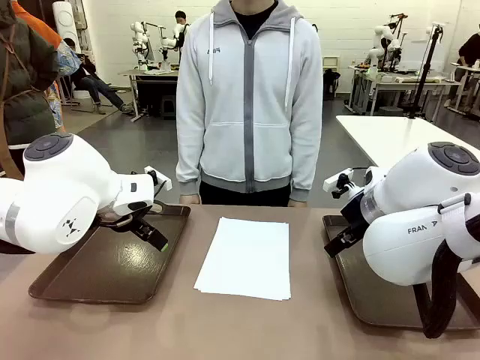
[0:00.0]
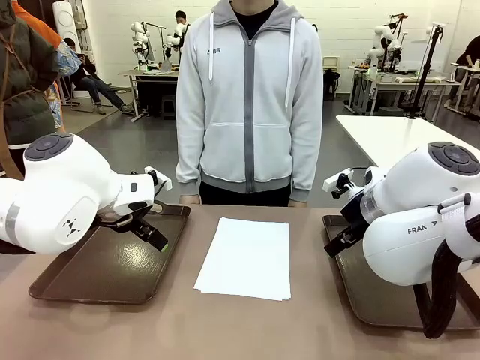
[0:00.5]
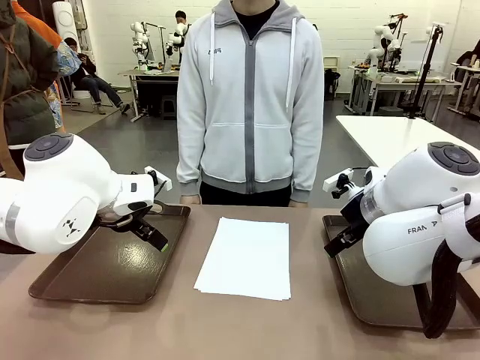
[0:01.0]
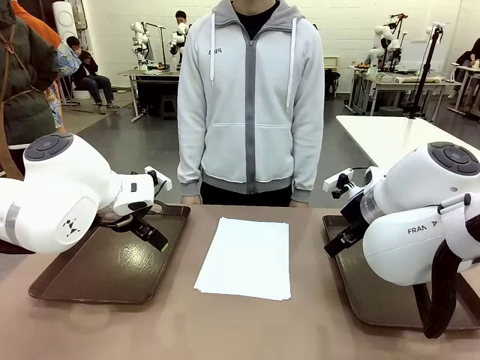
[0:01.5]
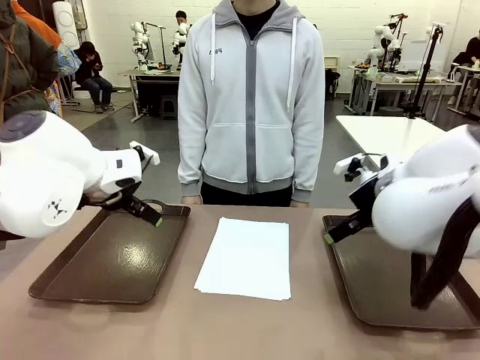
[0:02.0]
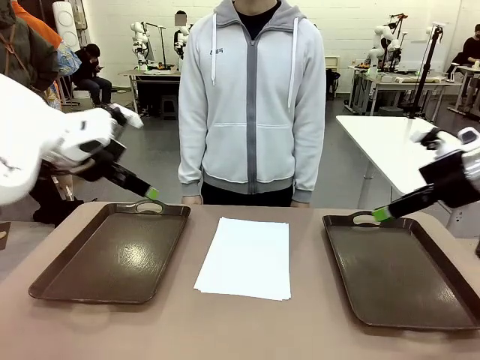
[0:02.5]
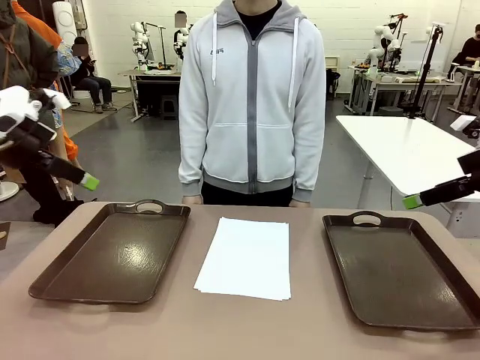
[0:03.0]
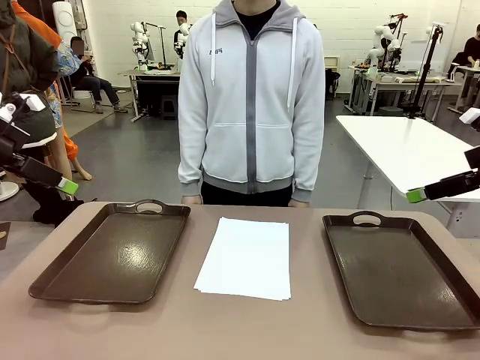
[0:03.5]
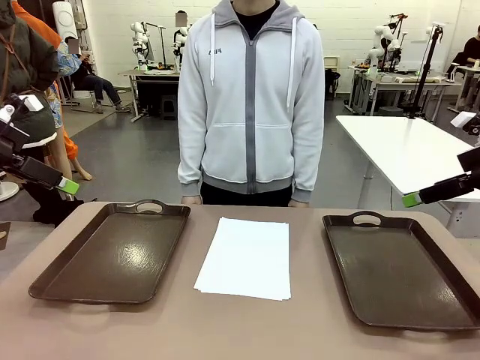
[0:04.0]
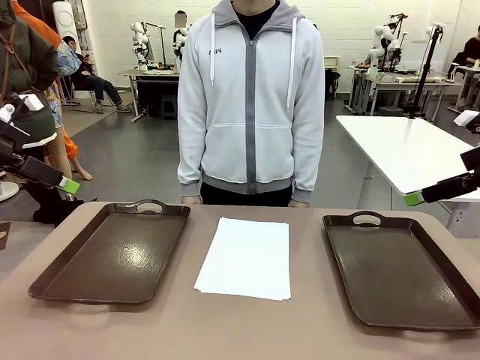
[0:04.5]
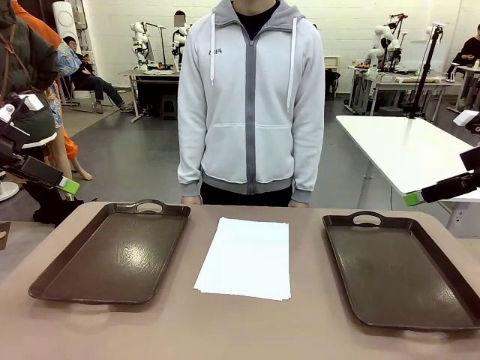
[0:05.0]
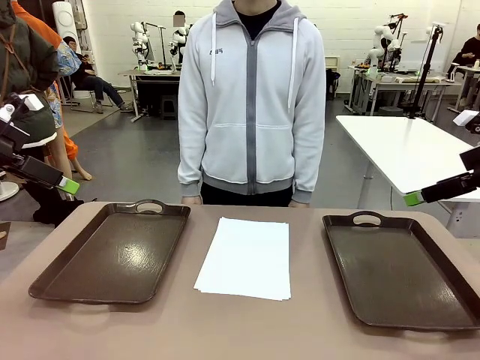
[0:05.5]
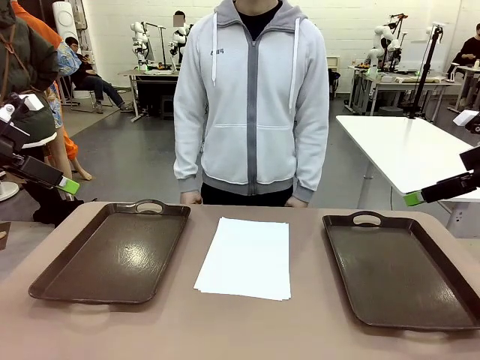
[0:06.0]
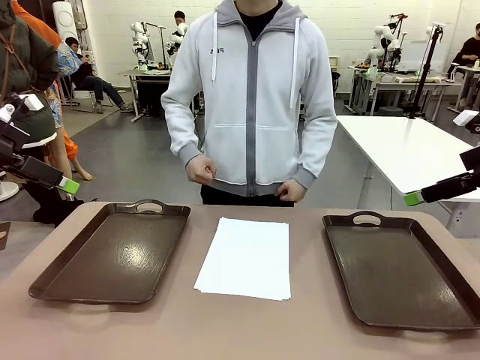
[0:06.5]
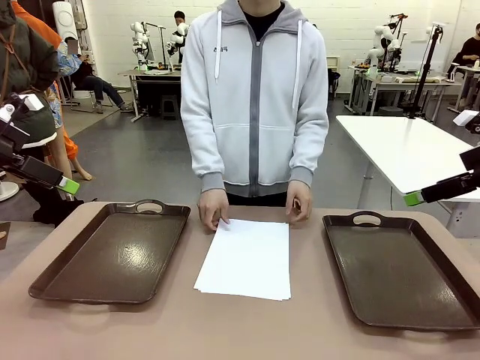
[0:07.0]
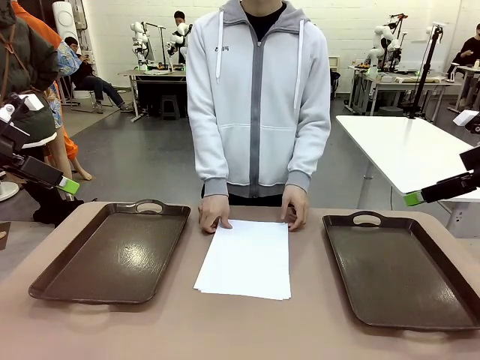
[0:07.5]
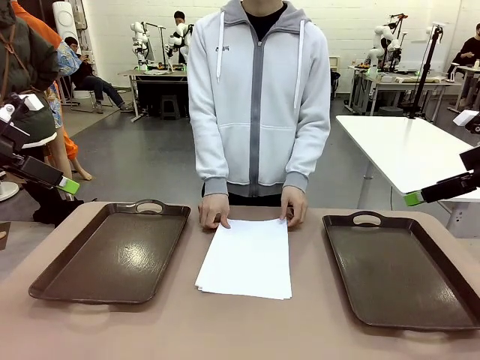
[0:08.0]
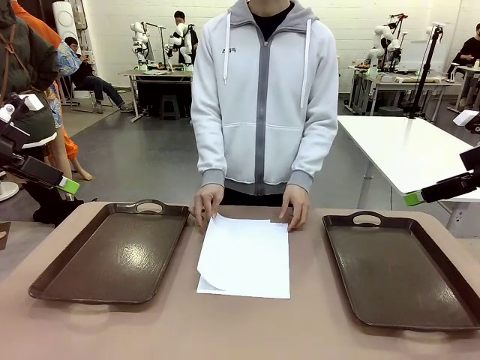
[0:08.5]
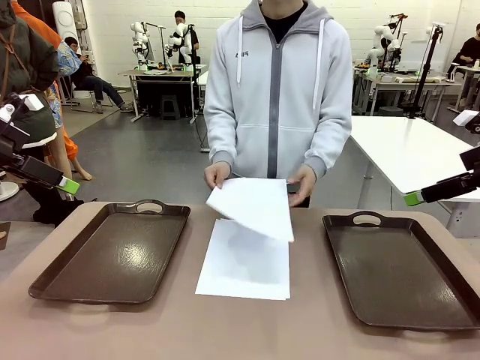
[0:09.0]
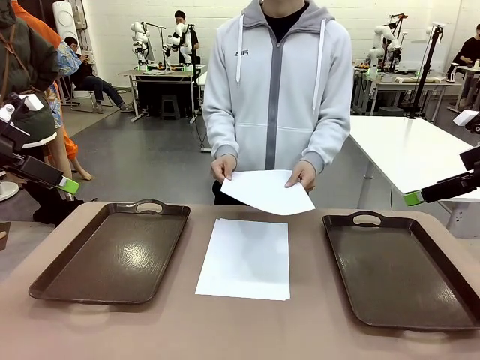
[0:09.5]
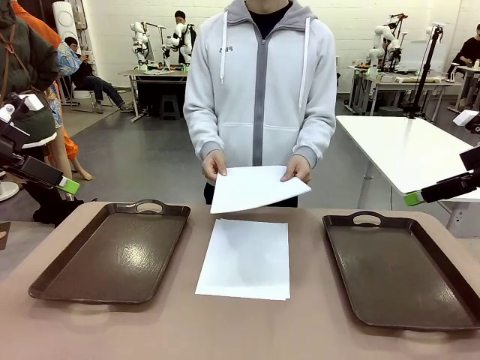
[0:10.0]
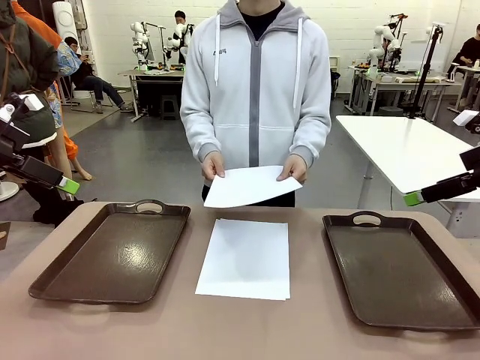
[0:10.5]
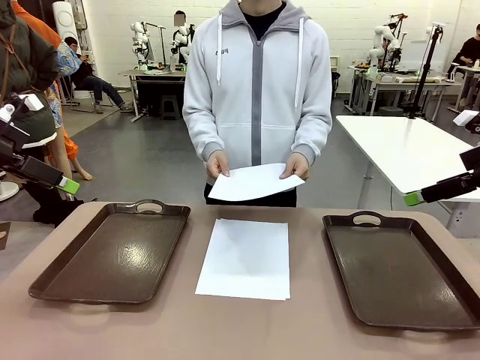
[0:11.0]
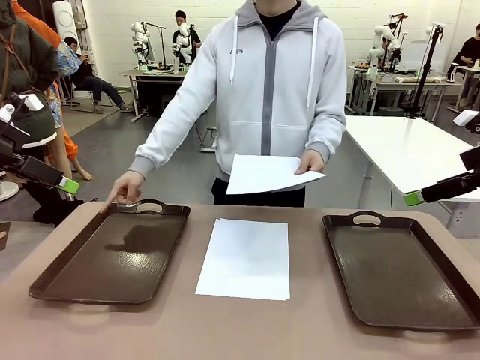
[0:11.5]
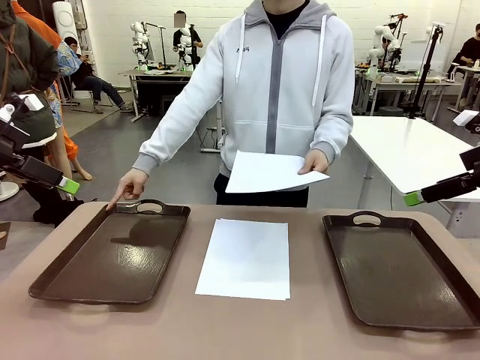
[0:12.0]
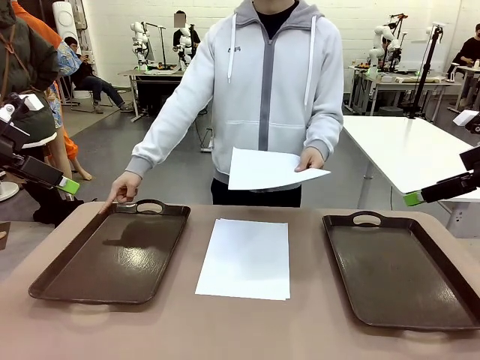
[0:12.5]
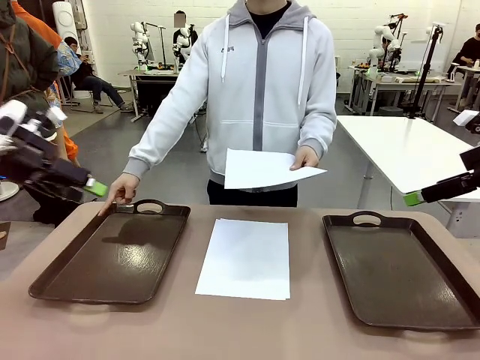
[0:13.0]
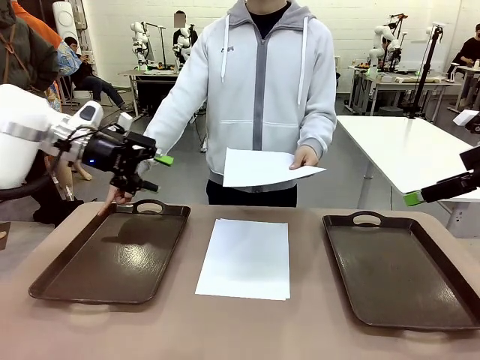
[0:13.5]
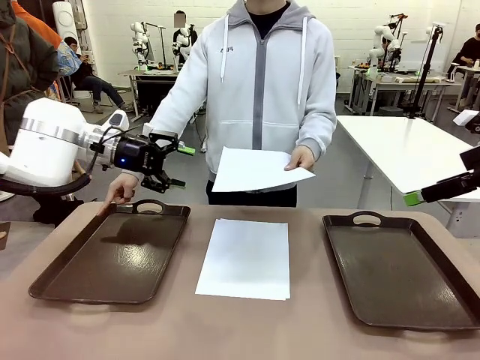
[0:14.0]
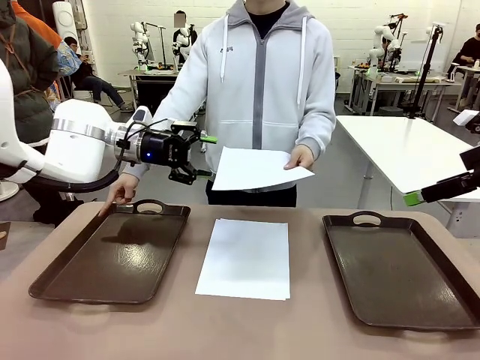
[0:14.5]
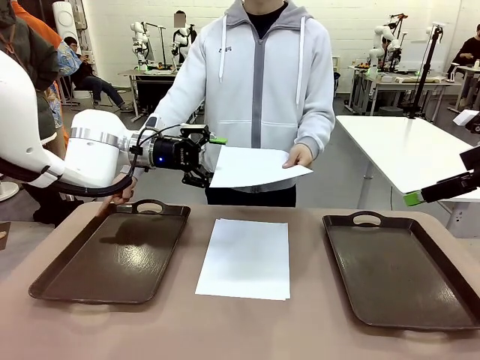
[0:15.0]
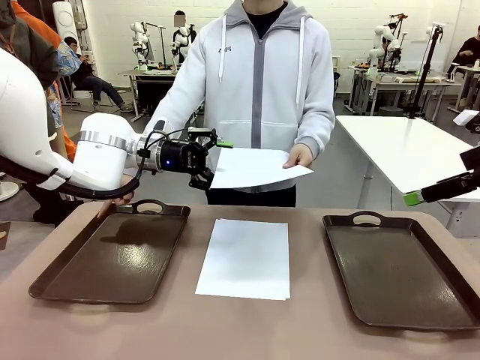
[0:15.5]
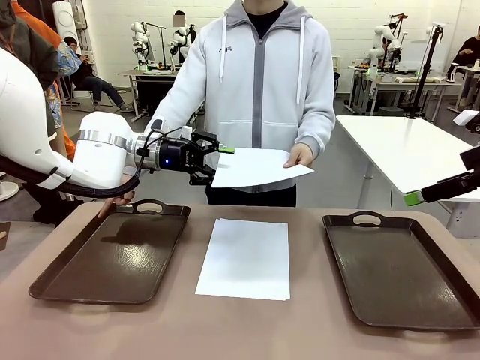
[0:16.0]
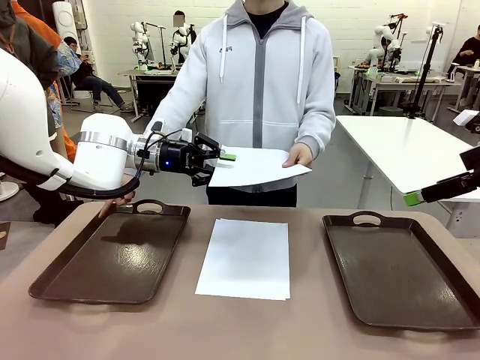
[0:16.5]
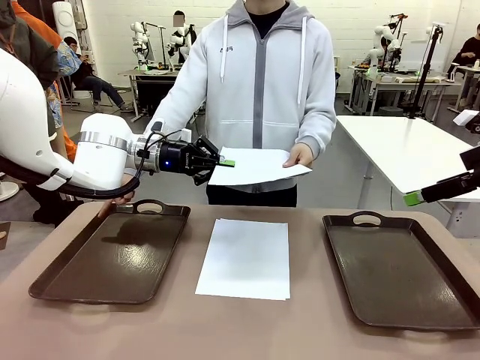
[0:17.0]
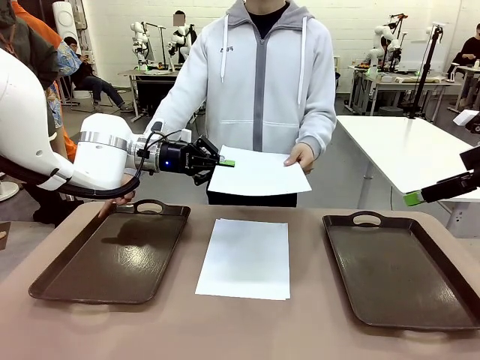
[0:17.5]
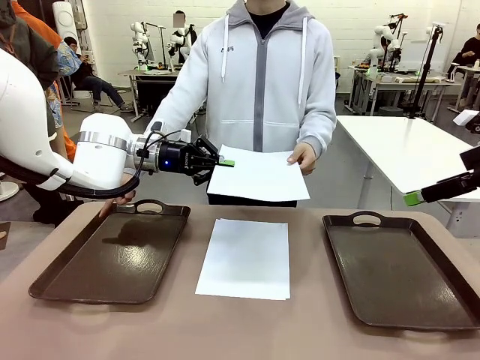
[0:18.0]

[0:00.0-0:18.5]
Task: Sort the A4 documents.
Robot: Receive the A4 Paper.
Person: Pick up a sheet of paper from the center of the table and hand it to the robot. Point the randomly selected tray with the other hand.

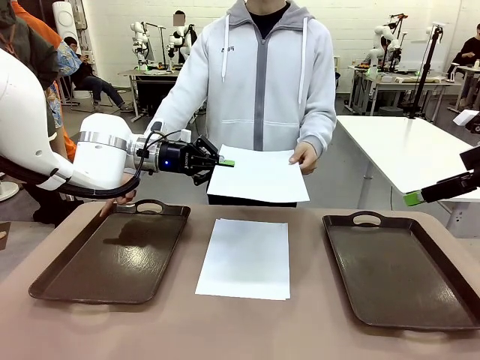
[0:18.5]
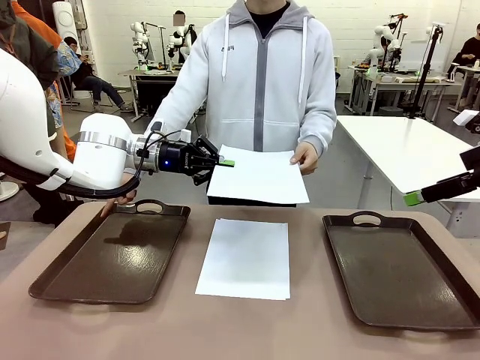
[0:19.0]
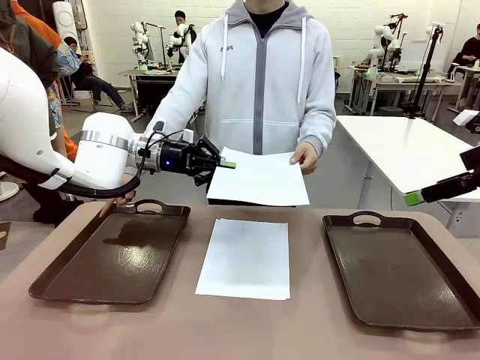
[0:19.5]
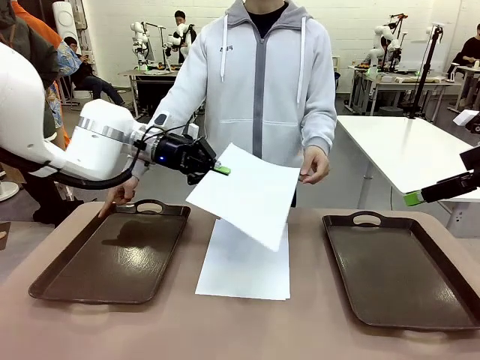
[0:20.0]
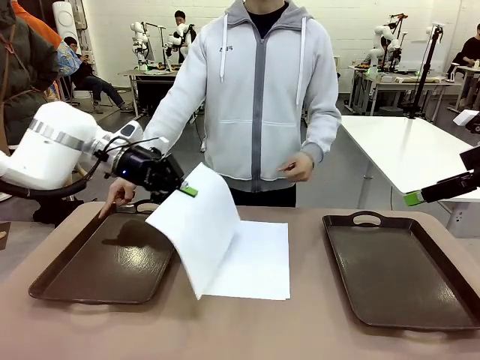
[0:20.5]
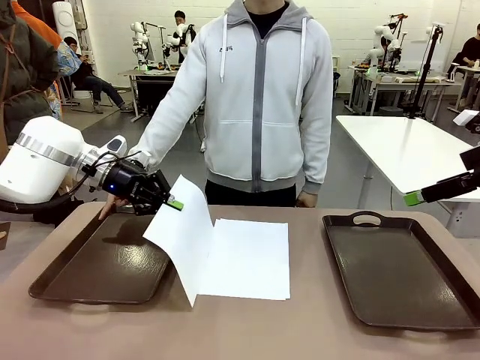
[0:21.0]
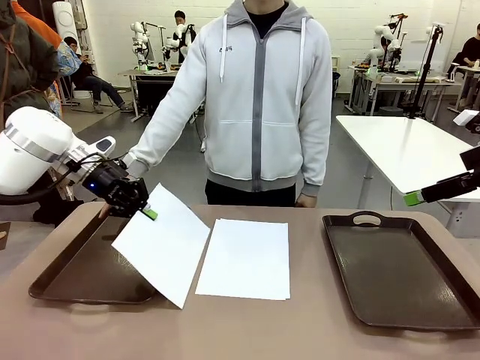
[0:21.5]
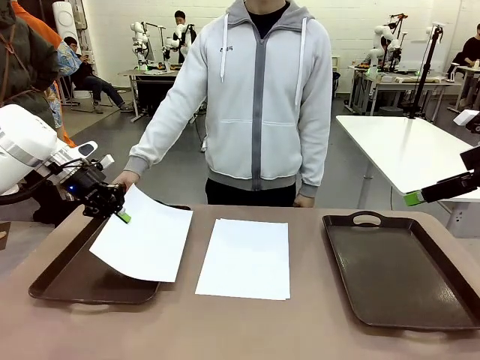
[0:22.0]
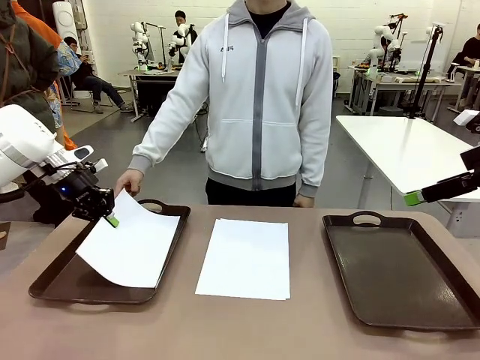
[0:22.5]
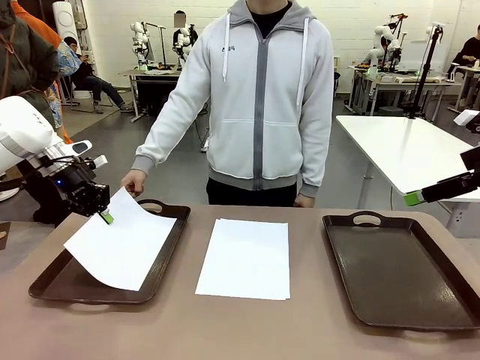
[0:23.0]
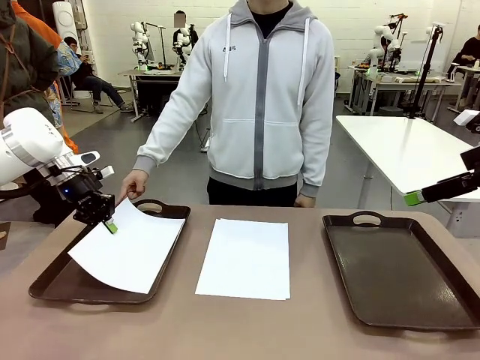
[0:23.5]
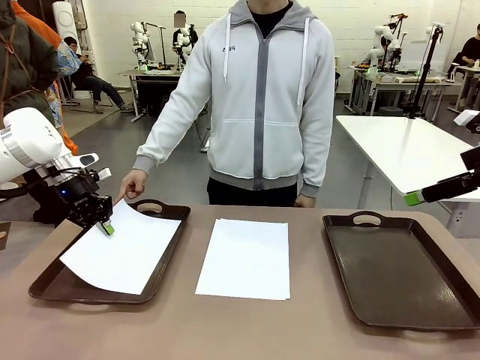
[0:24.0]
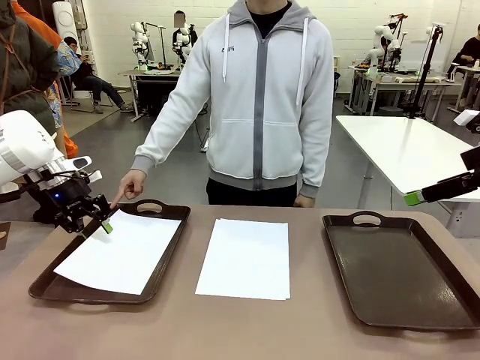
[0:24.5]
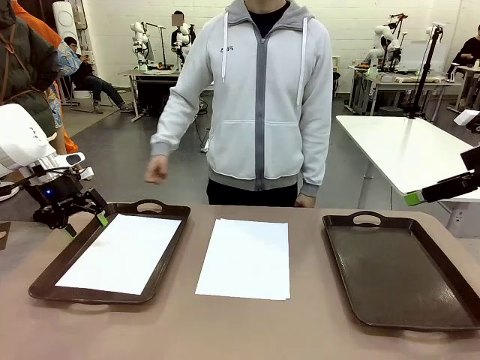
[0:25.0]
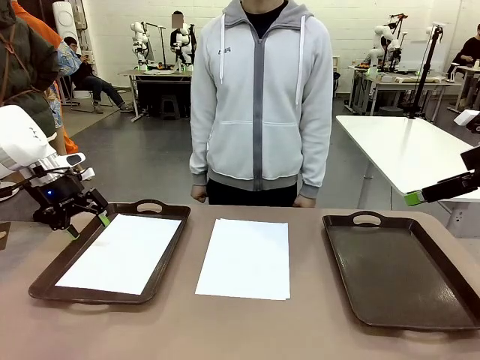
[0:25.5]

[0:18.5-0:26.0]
Robot: Place the A4 Paper in the designated Handle tray.
